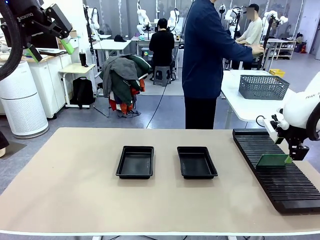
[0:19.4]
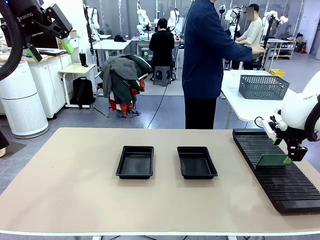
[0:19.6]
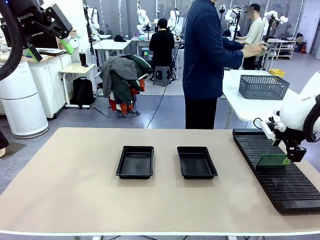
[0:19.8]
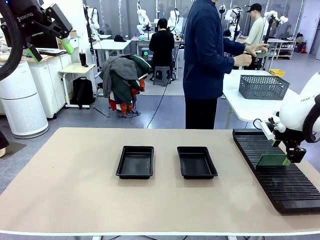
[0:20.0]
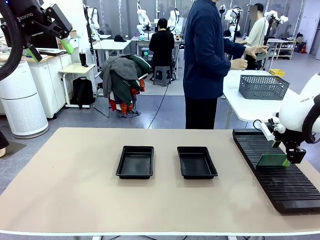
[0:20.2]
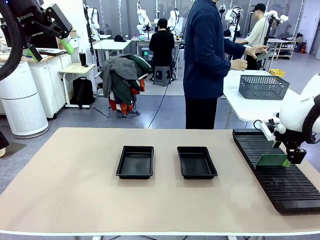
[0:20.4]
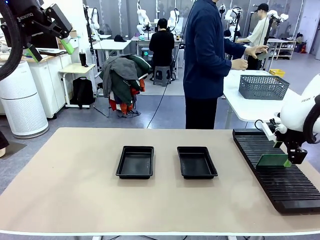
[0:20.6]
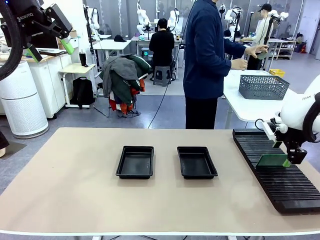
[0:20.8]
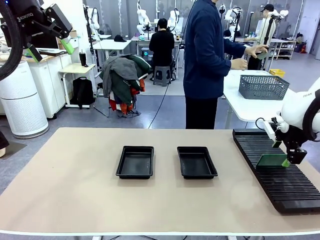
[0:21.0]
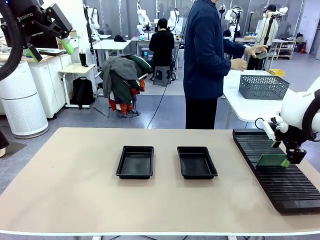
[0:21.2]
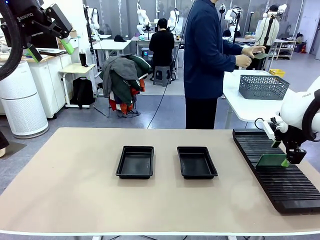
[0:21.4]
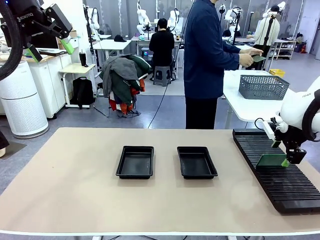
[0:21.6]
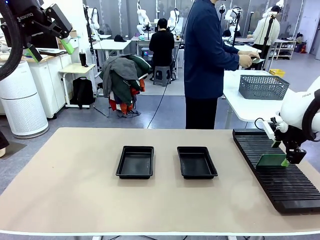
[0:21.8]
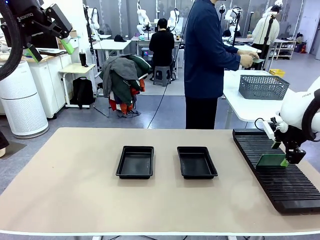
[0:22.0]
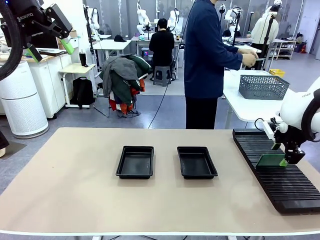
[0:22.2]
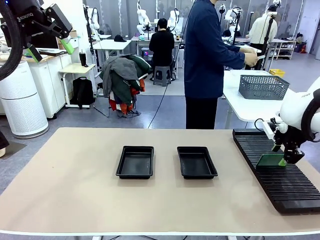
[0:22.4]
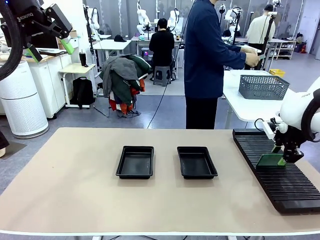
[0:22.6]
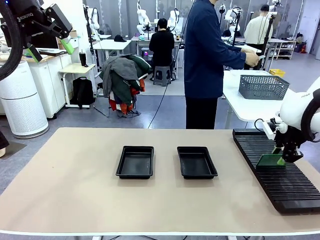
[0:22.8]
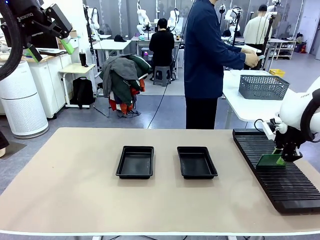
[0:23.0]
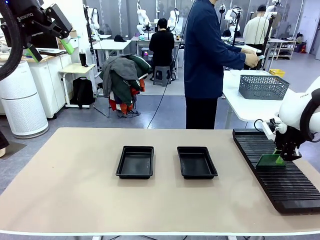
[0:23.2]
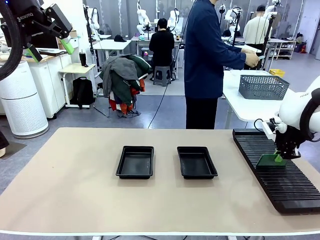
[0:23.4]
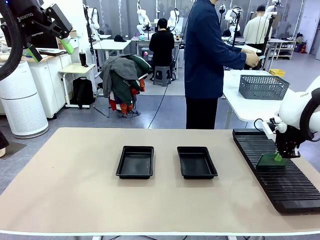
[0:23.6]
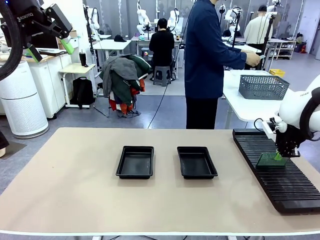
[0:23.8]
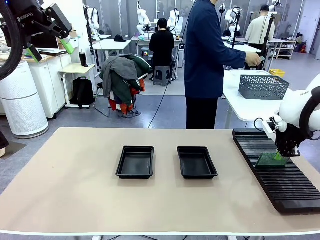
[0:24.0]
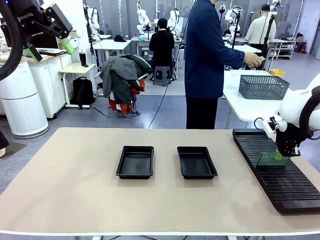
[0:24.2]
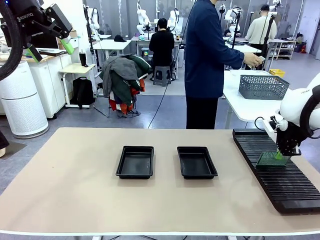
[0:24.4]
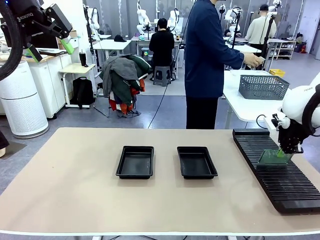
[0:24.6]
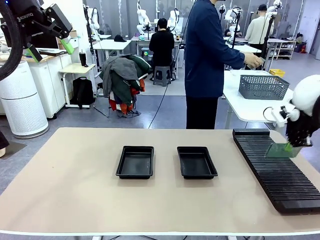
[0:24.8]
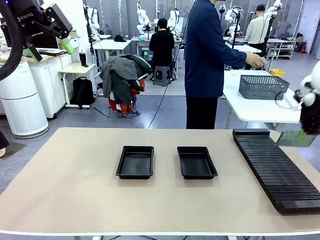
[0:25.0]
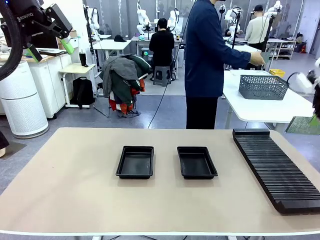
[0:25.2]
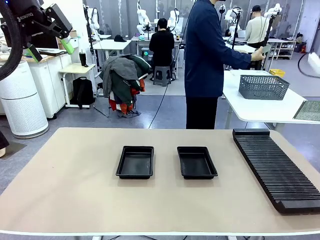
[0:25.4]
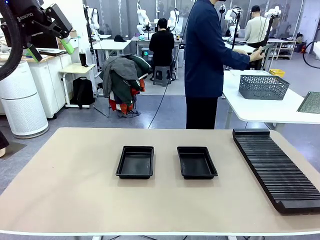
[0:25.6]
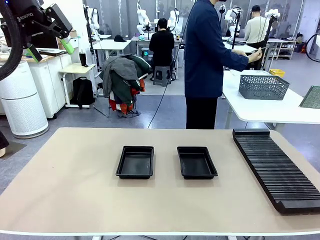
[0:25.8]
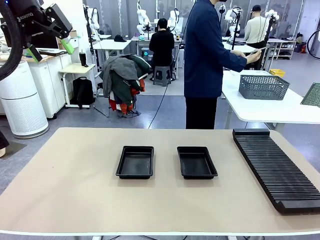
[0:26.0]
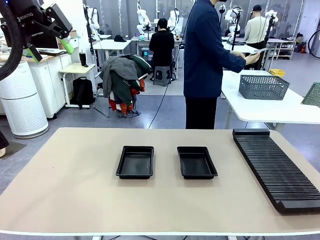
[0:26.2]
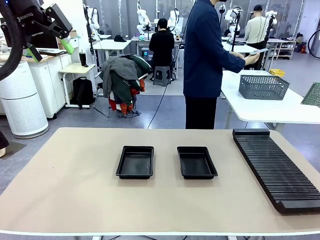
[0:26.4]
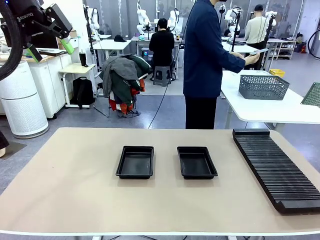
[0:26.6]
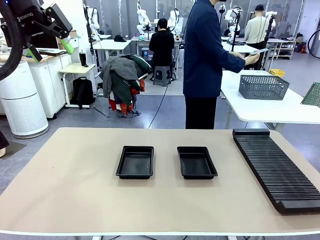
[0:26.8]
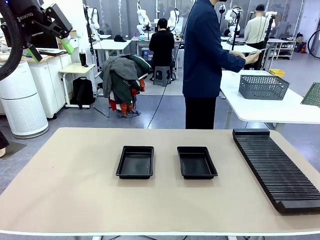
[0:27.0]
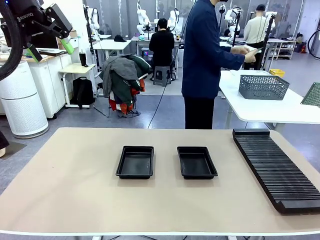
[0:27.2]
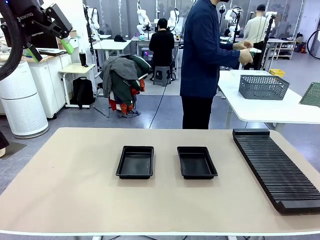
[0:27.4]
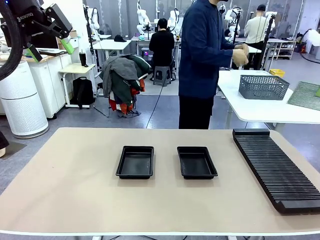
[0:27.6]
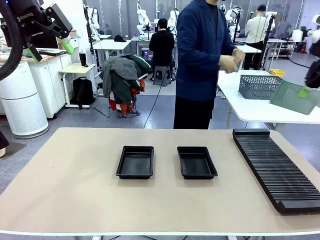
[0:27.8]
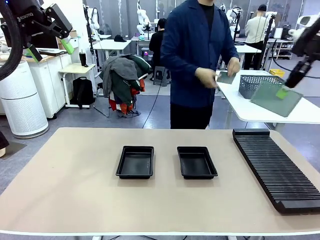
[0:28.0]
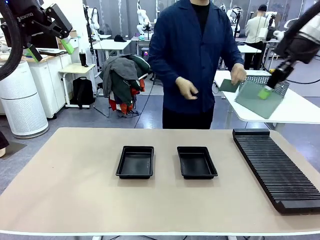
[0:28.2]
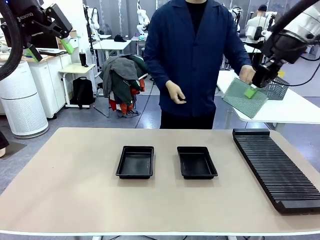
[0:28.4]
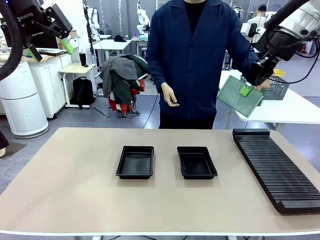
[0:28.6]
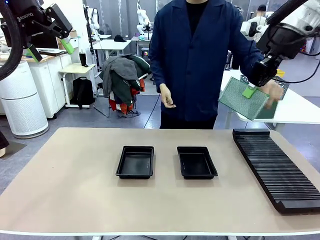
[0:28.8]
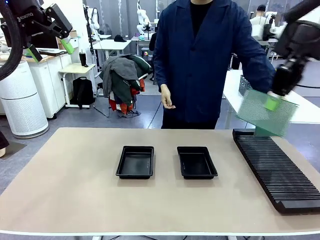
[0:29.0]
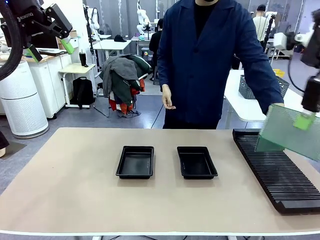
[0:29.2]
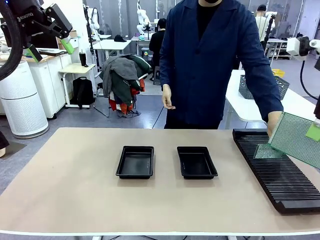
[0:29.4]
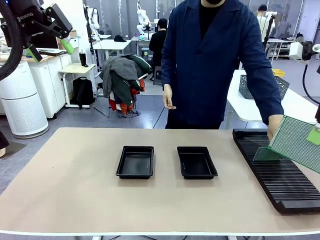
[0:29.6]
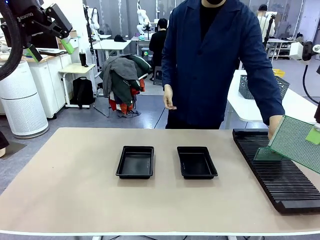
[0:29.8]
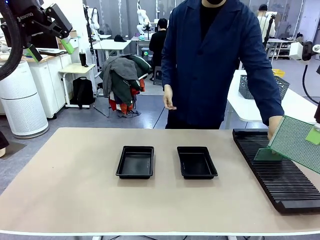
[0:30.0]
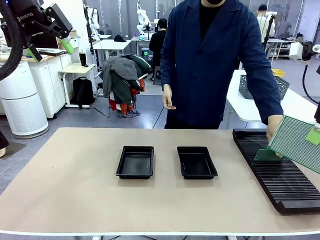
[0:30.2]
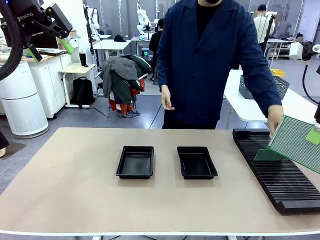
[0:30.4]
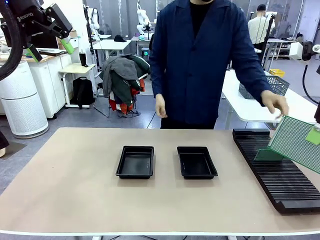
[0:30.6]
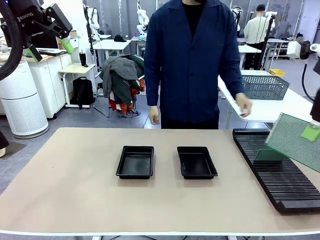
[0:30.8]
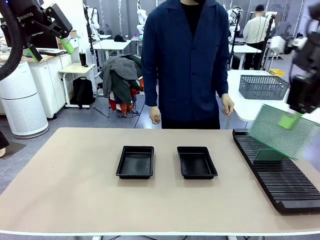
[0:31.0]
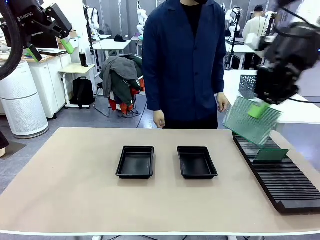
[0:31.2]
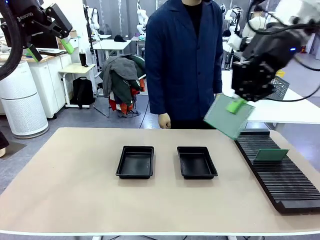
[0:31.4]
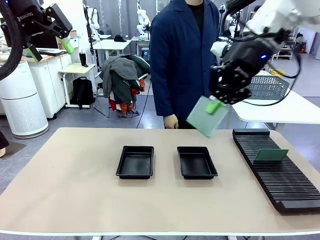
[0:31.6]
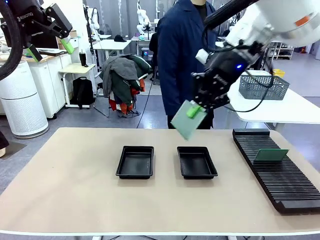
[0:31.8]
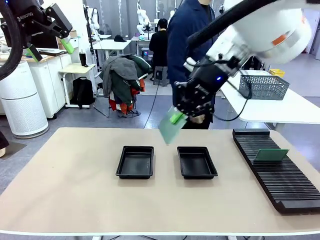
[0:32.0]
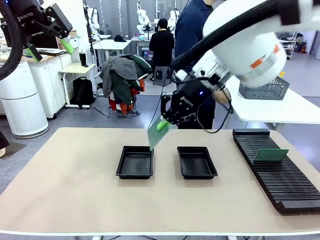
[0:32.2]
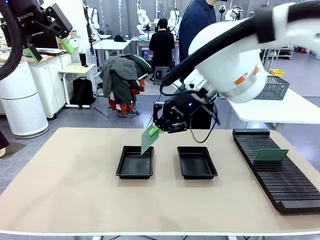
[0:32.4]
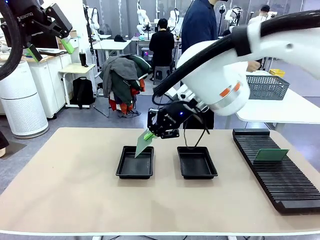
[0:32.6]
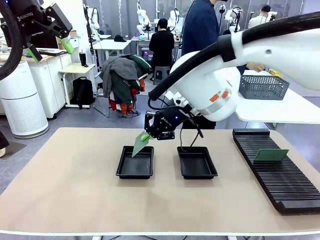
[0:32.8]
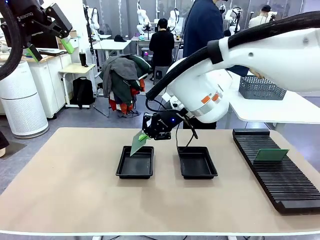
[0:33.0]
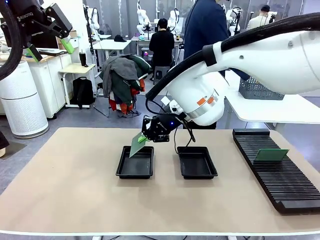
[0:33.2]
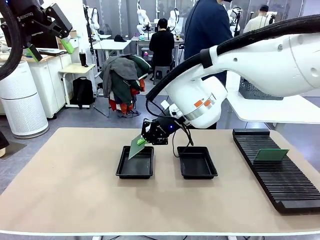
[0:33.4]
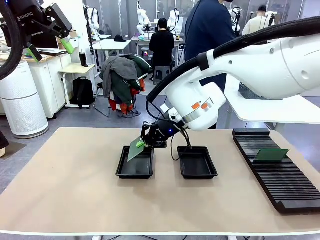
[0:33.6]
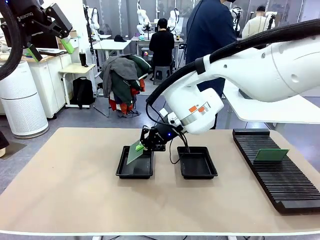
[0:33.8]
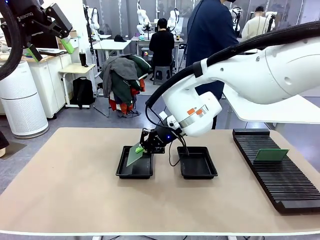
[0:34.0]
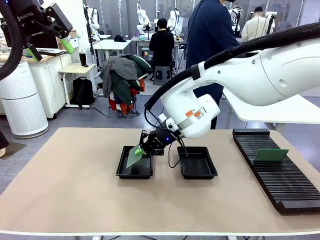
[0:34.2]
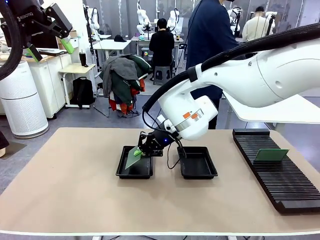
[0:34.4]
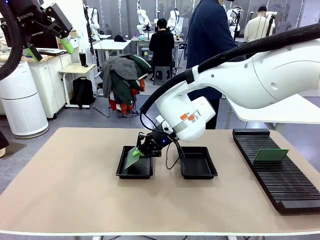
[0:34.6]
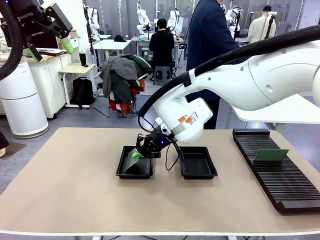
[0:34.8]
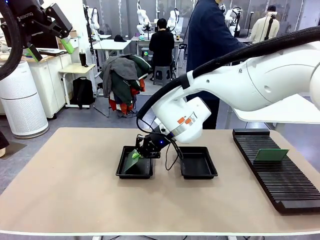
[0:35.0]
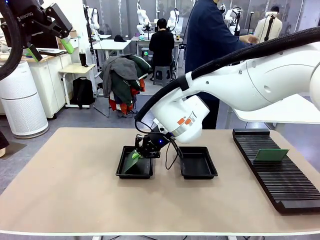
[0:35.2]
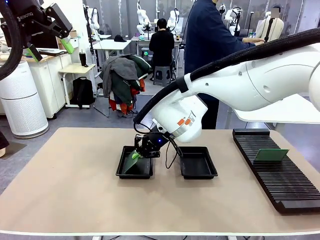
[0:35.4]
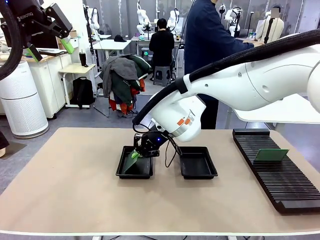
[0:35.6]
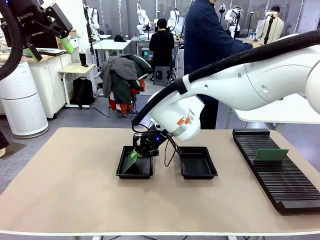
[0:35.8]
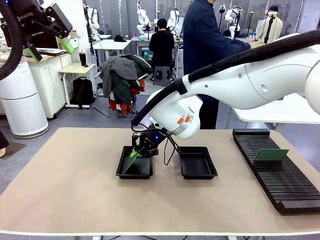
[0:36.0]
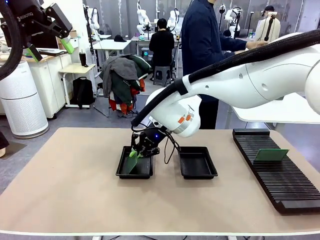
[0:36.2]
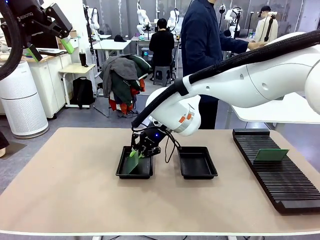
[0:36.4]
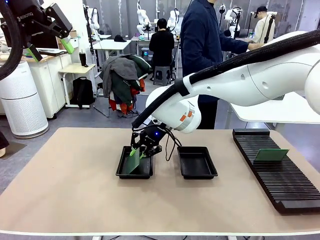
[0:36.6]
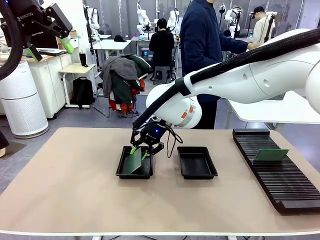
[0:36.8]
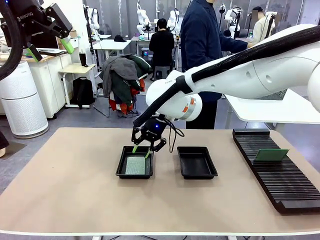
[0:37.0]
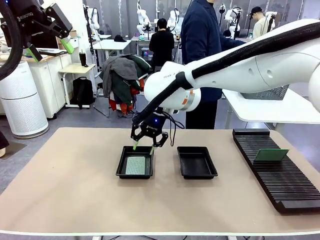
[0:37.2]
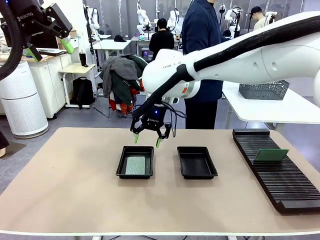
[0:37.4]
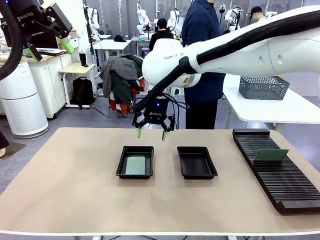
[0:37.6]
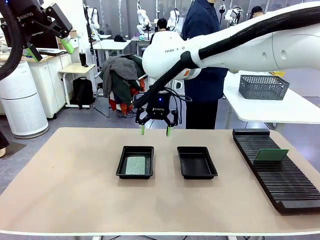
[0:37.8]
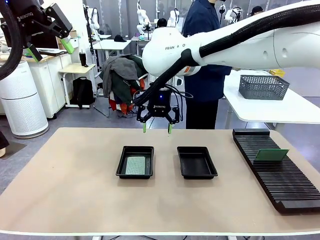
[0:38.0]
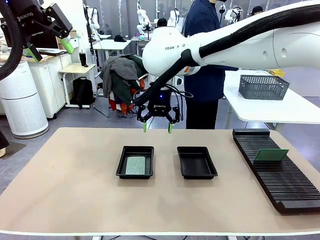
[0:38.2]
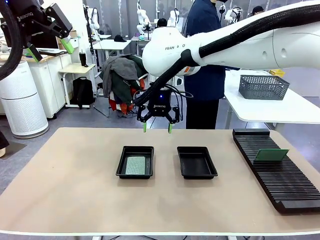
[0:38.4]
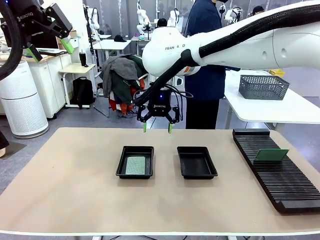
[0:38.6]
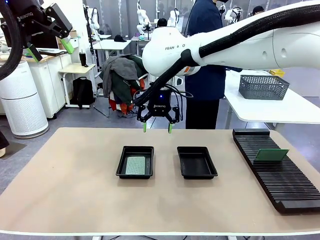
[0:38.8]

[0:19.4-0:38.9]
Task: Inspect and transfer BCBs to ESD trays.
Robot: Pick up the Blank PCB from the PCB Rack and place it in the left ESD tray.
